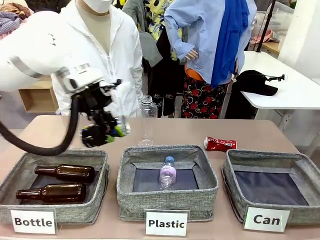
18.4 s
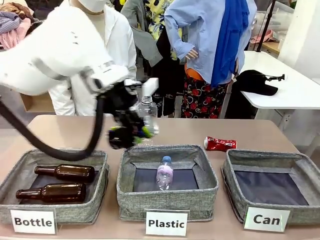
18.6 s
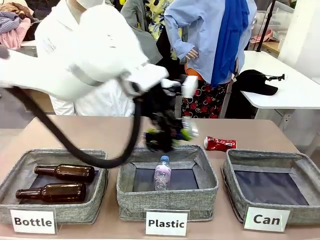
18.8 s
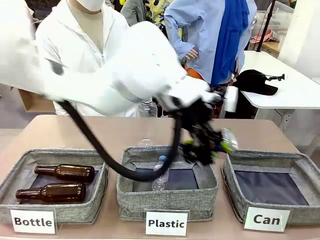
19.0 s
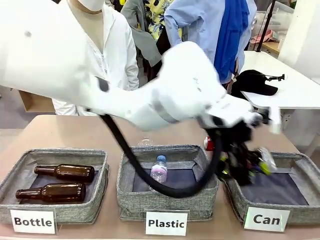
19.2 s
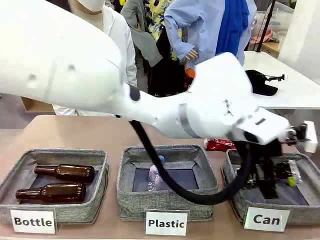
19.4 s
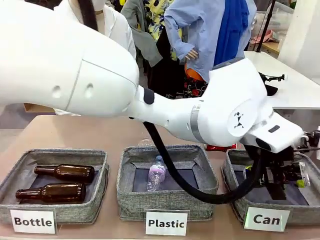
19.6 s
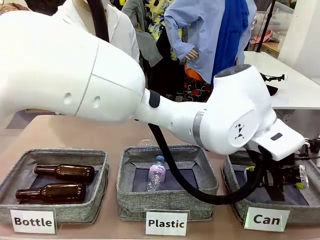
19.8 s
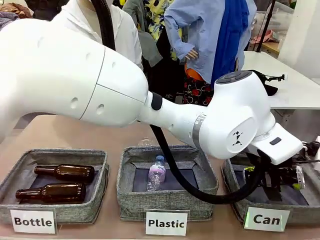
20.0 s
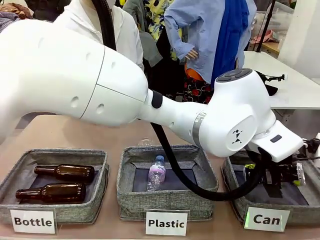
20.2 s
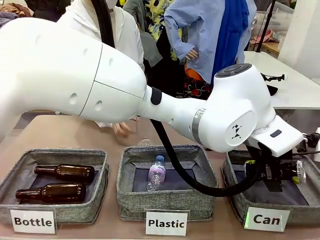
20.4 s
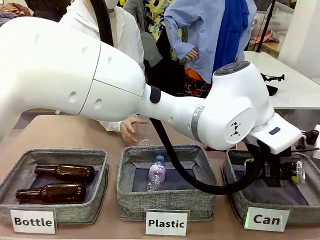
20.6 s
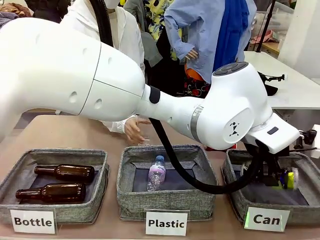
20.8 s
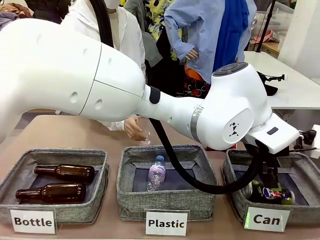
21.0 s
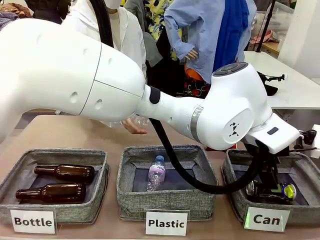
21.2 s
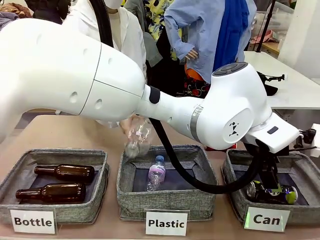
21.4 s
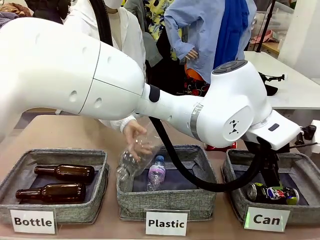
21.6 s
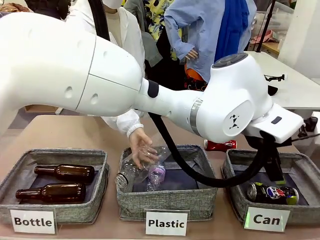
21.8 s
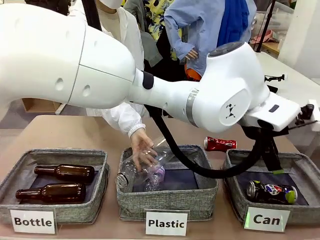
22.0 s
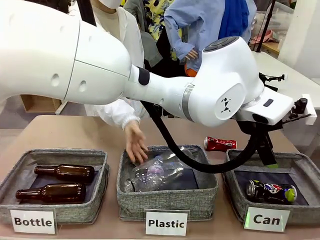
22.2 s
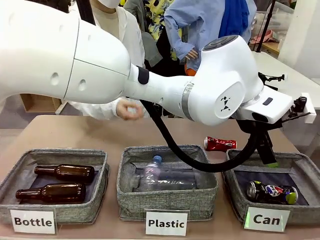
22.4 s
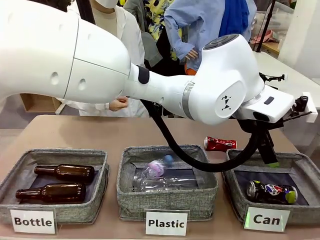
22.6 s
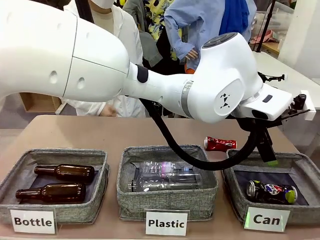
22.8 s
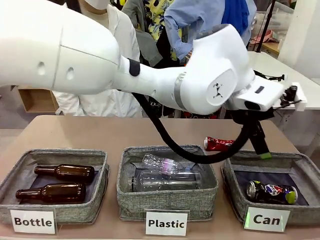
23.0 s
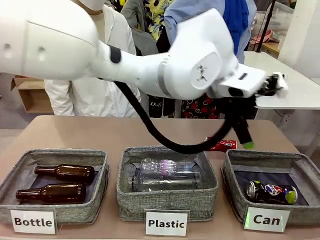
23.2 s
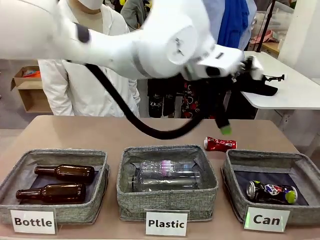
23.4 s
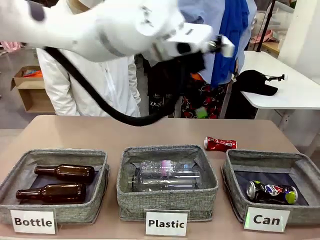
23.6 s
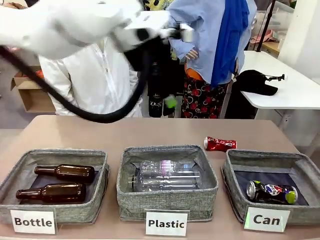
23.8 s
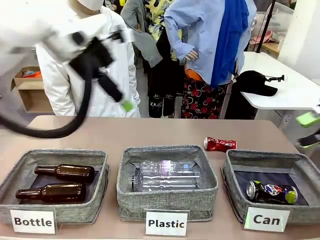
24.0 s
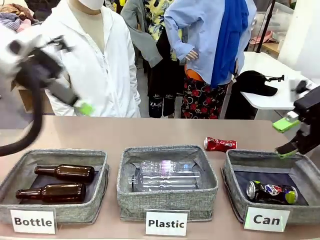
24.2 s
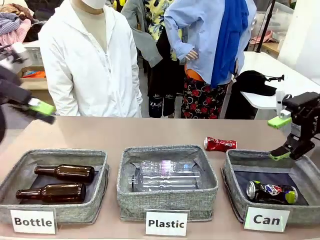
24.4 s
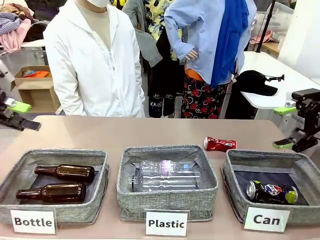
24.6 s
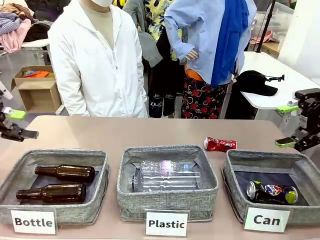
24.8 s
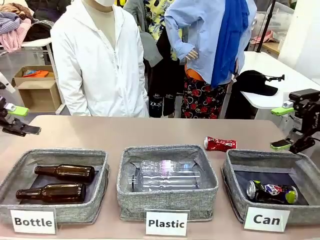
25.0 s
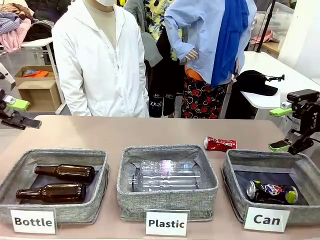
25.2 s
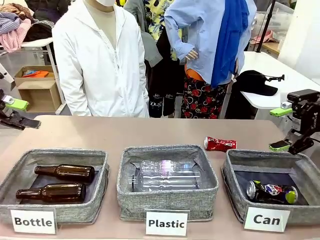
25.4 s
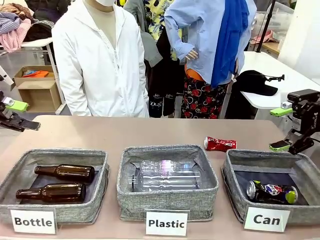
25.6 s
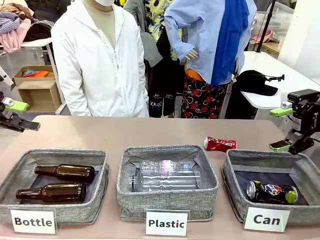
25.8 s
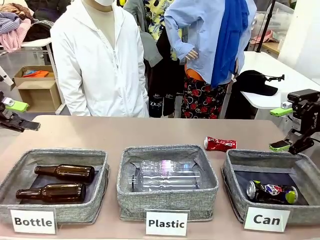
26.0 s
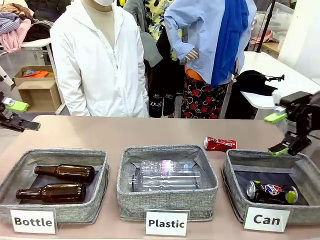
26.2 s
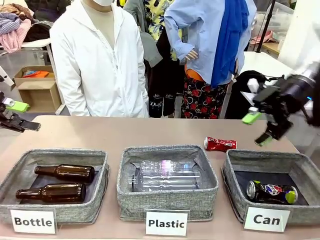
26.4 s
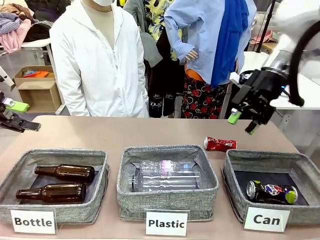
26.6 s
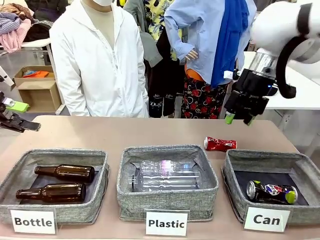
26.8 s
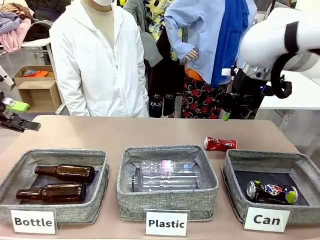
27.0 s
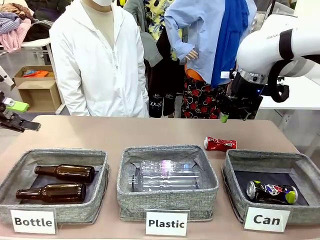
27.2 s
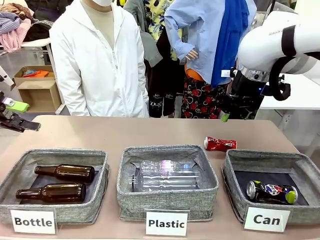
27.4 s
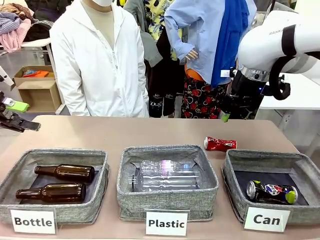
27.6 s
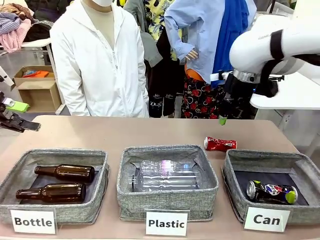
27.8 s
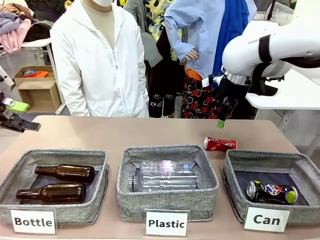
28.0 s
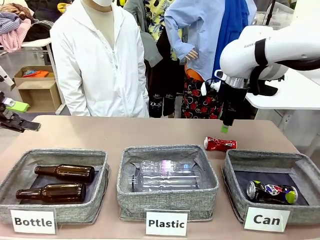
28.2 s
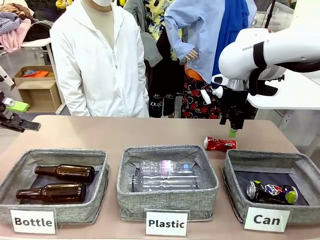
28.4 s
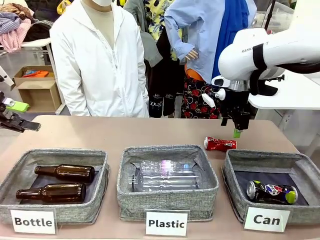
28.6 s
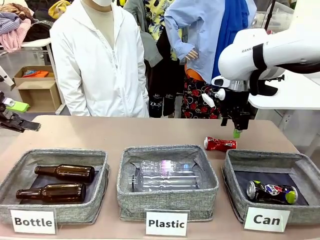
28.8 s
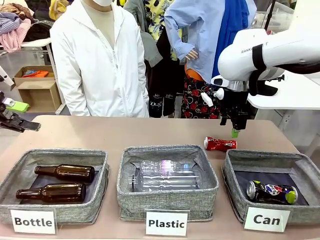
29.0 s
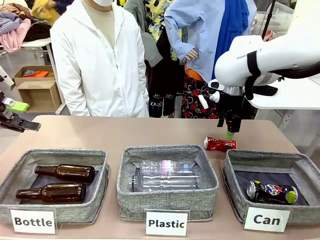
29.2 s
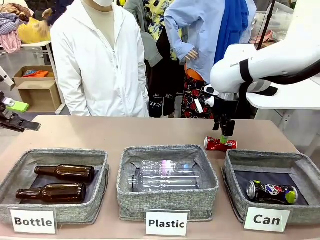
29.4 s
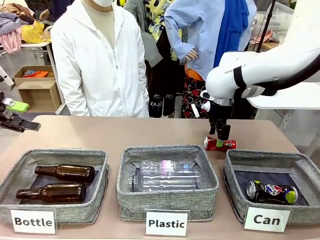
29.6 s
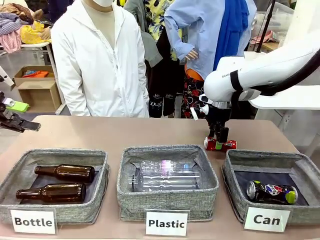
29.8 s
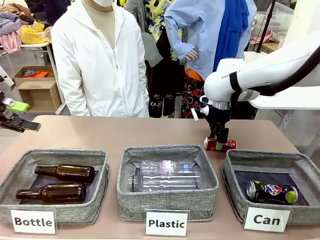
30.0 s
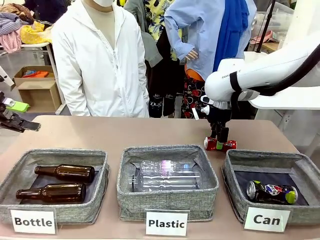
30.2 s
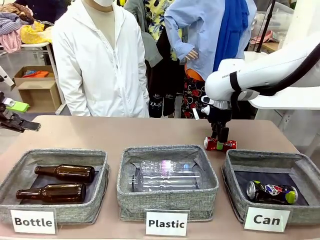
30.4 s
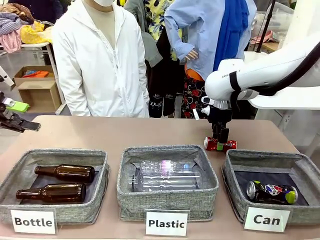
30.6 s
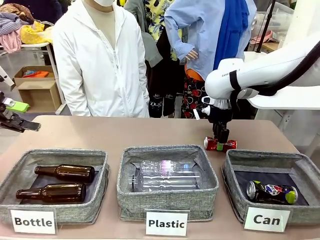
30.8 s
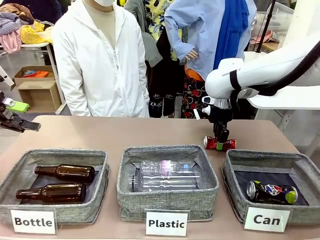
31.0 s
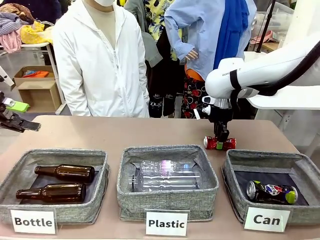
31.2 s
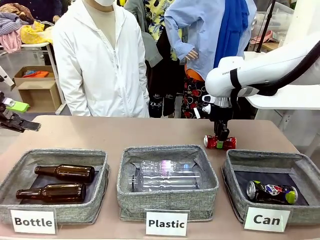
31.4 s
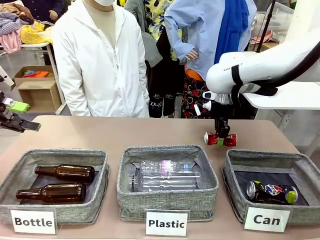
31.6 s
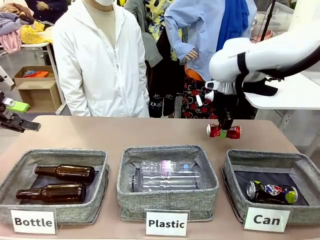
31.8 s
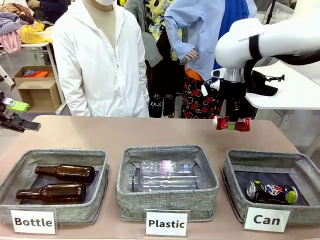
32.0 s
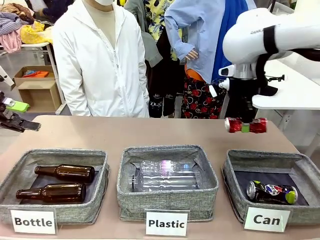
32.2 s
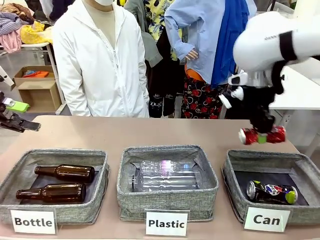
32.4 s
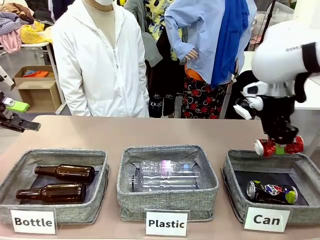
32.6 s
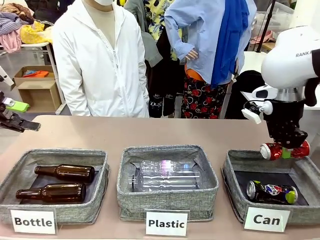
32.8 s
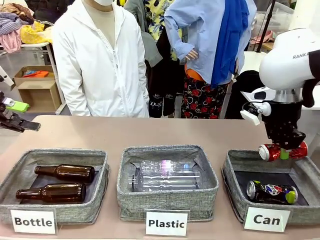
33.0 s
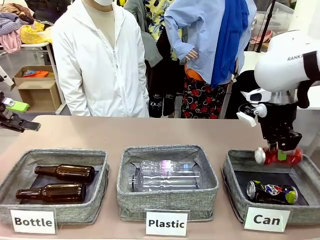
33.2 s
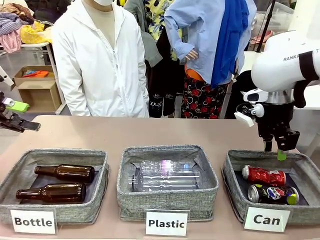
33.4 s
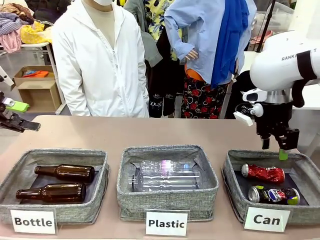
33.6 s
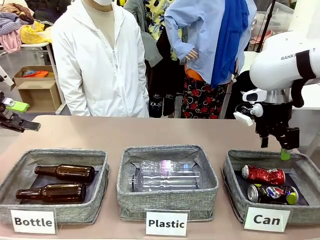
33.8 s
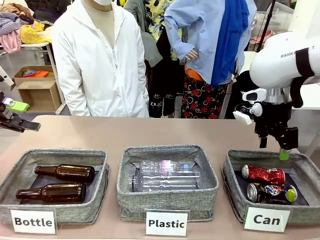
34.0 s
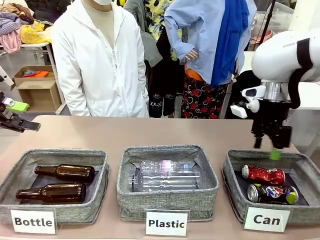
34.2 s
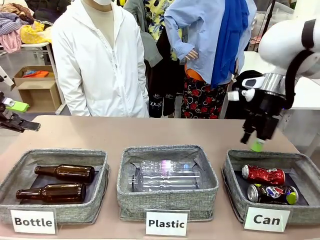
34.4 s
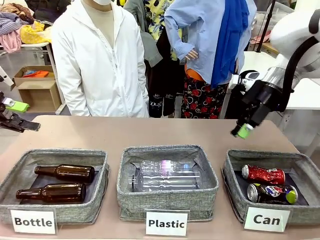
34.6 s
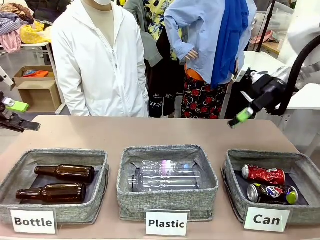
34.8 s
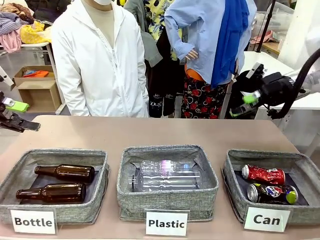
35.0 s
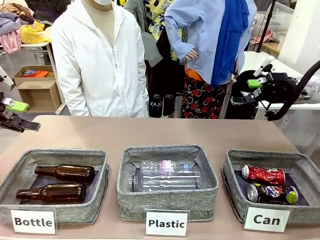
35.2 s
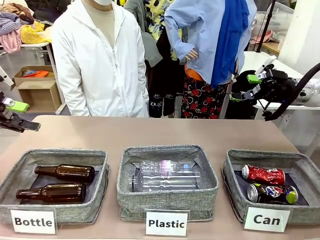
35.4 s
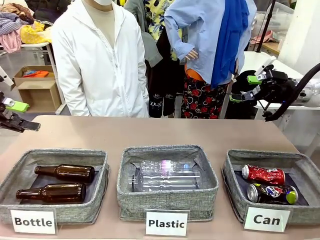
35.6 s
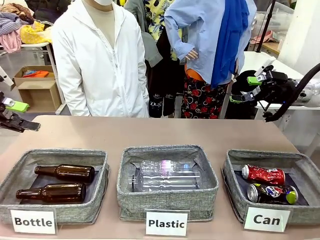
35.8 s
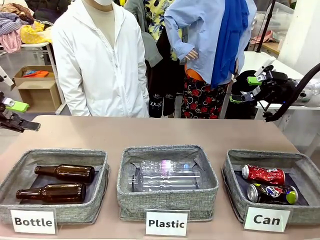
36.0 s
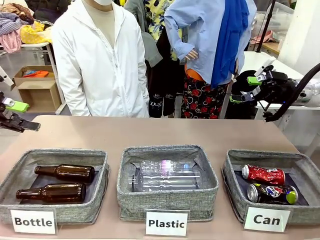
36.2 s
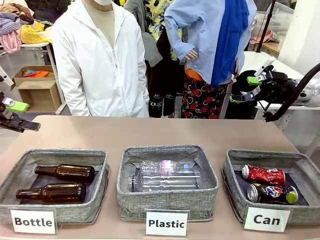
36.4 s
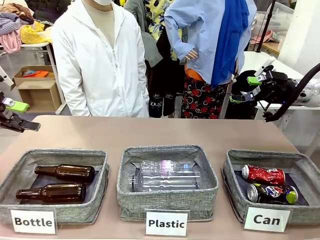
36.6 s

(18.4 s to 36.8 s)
Task: Sort the can waste into the basket.
Robot: Pick up the can waste from the table and place it in the right Fabric basket.
